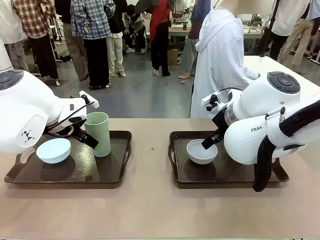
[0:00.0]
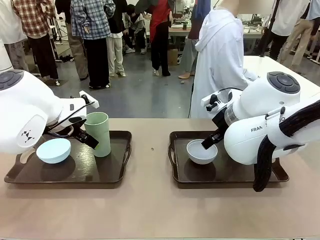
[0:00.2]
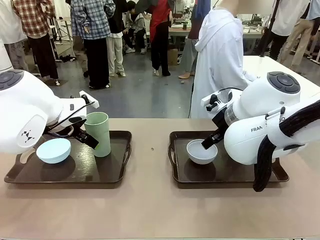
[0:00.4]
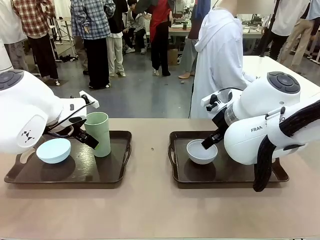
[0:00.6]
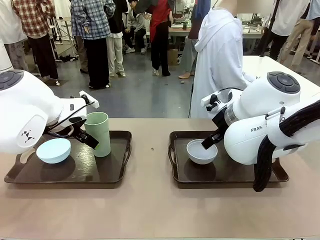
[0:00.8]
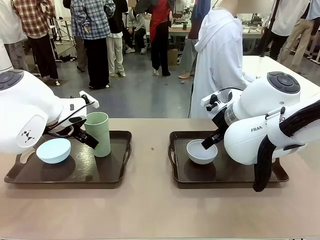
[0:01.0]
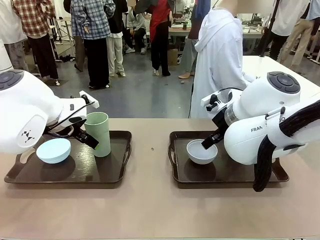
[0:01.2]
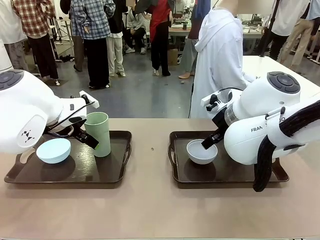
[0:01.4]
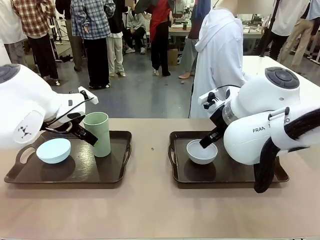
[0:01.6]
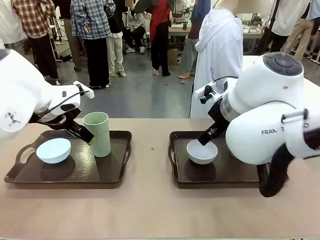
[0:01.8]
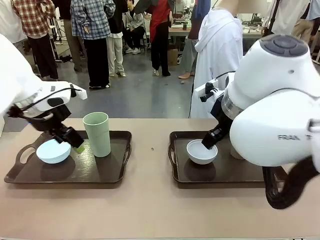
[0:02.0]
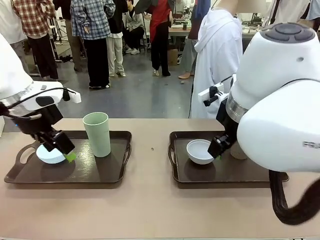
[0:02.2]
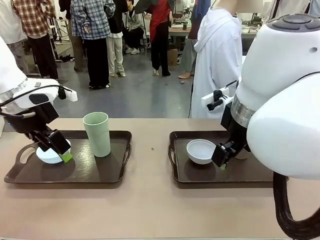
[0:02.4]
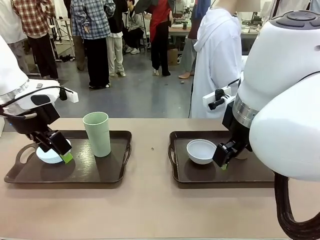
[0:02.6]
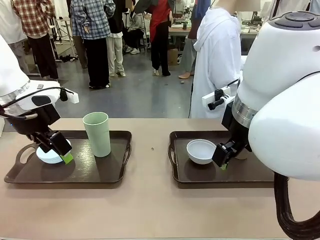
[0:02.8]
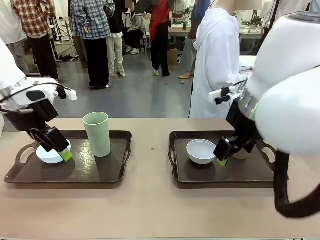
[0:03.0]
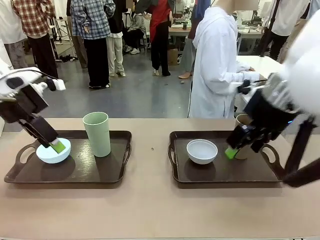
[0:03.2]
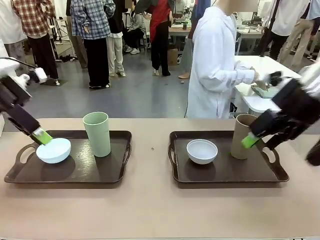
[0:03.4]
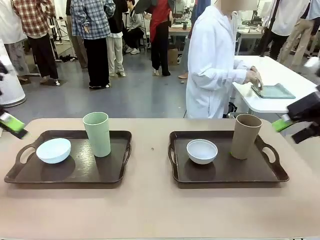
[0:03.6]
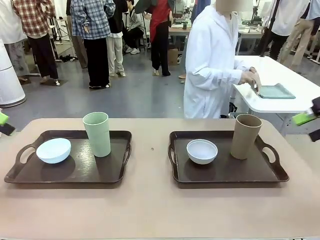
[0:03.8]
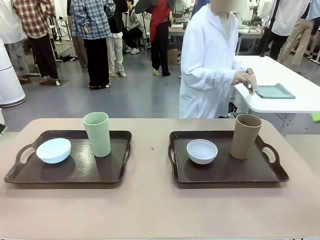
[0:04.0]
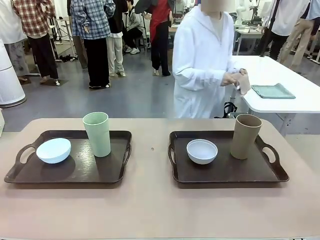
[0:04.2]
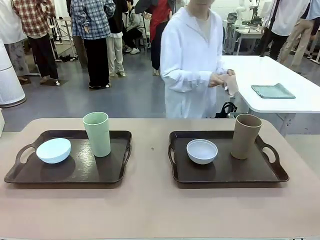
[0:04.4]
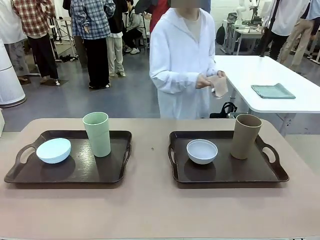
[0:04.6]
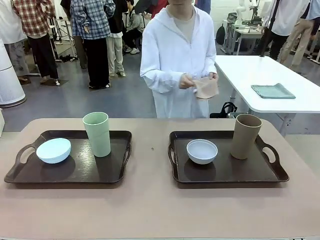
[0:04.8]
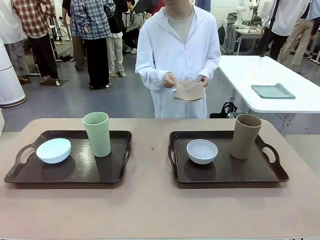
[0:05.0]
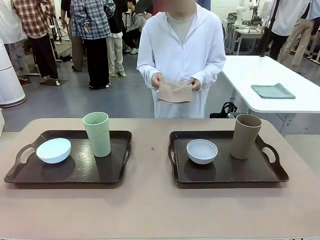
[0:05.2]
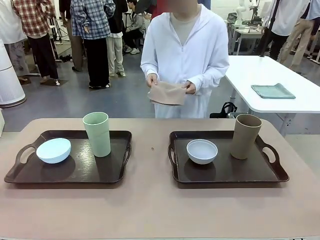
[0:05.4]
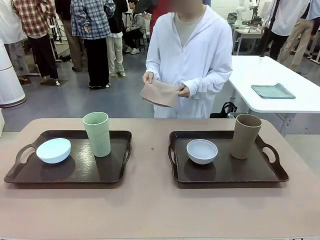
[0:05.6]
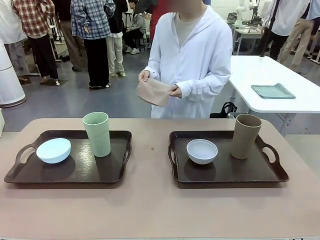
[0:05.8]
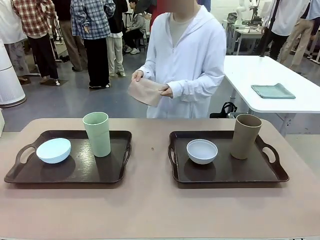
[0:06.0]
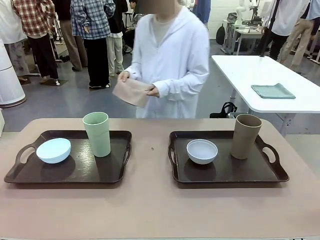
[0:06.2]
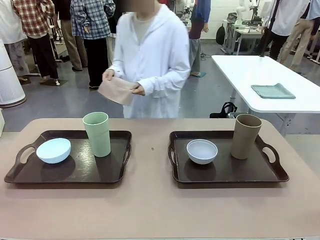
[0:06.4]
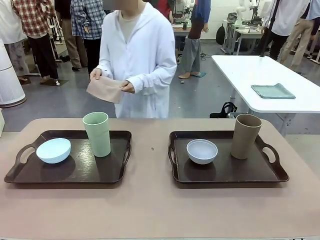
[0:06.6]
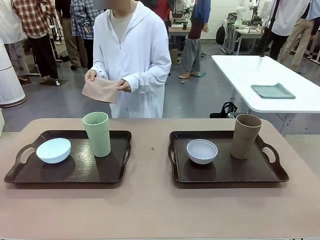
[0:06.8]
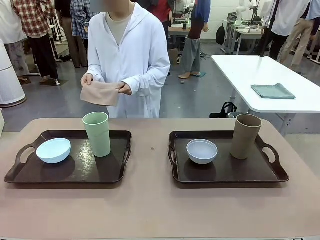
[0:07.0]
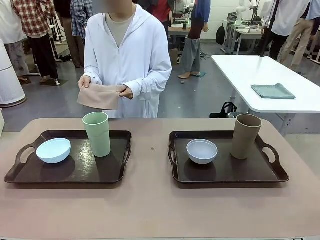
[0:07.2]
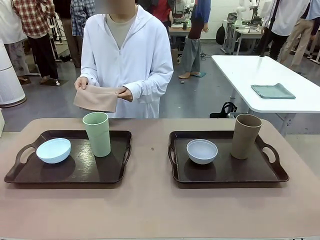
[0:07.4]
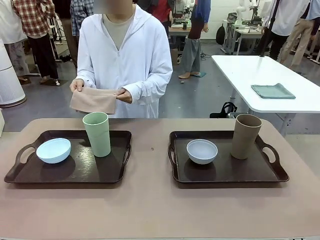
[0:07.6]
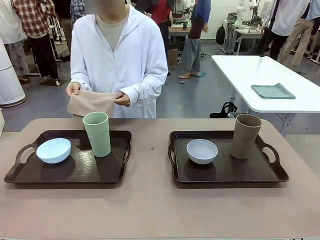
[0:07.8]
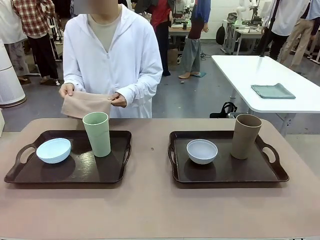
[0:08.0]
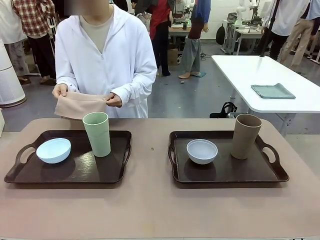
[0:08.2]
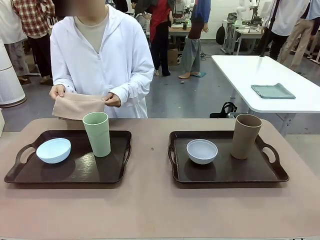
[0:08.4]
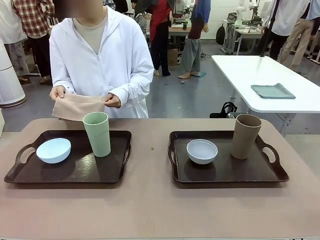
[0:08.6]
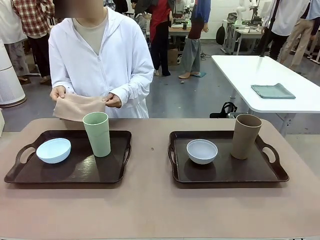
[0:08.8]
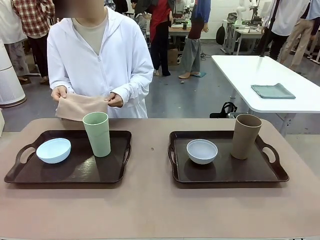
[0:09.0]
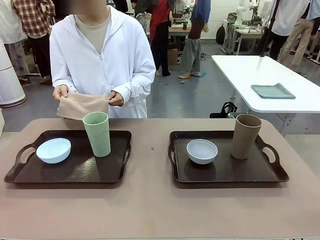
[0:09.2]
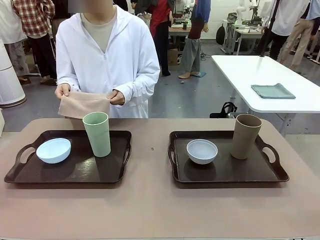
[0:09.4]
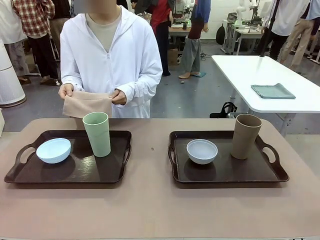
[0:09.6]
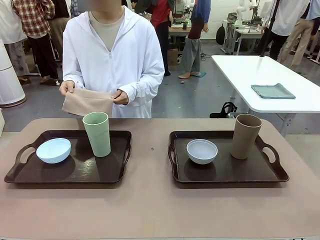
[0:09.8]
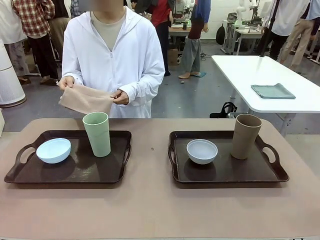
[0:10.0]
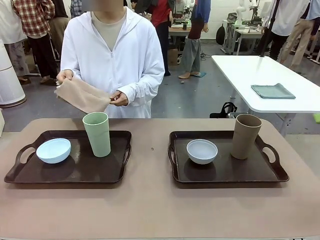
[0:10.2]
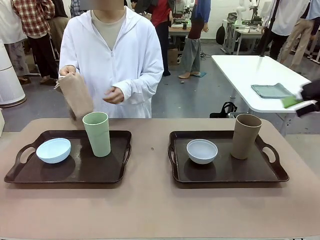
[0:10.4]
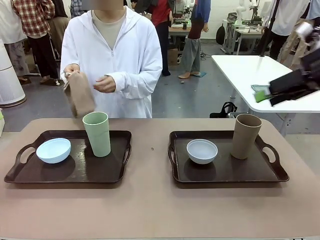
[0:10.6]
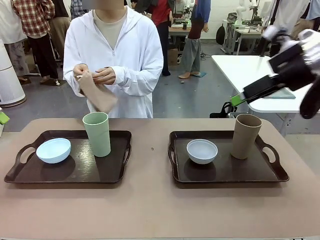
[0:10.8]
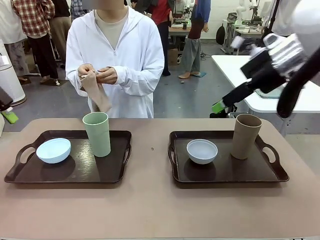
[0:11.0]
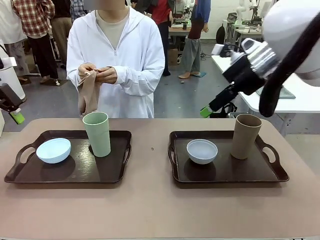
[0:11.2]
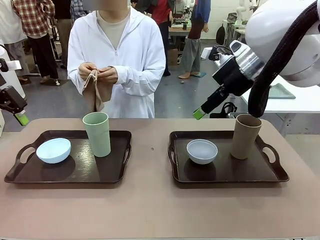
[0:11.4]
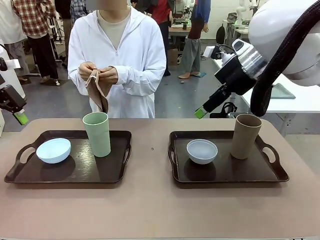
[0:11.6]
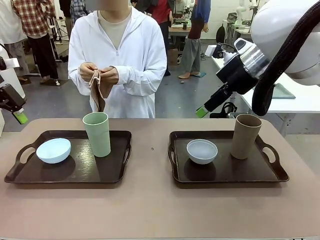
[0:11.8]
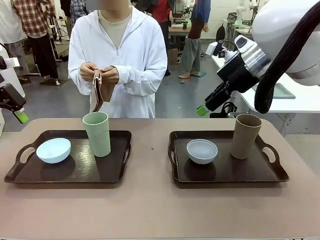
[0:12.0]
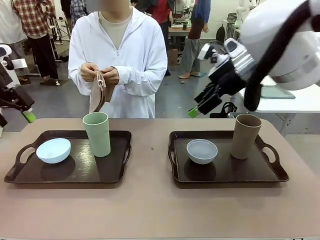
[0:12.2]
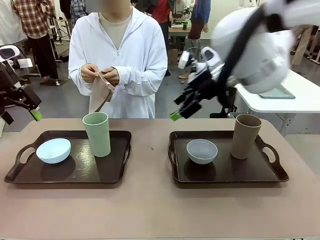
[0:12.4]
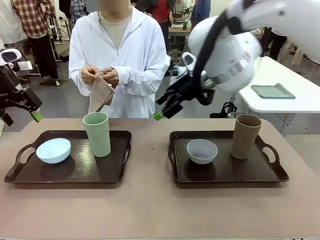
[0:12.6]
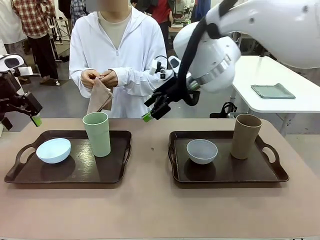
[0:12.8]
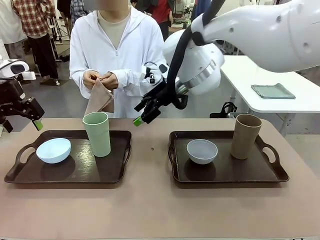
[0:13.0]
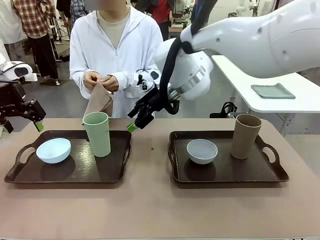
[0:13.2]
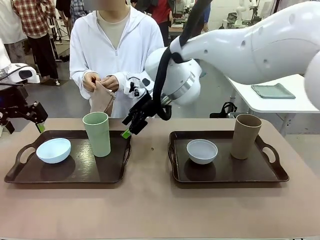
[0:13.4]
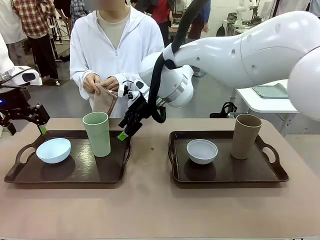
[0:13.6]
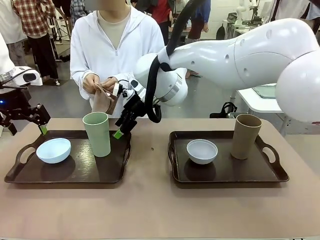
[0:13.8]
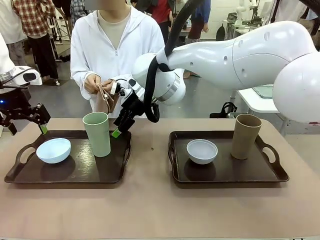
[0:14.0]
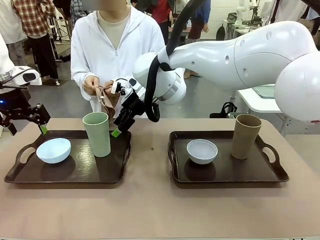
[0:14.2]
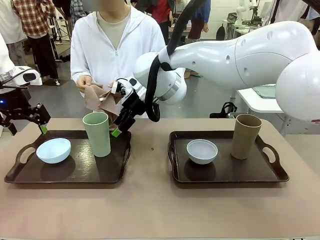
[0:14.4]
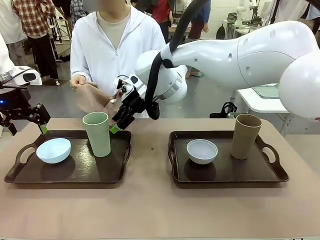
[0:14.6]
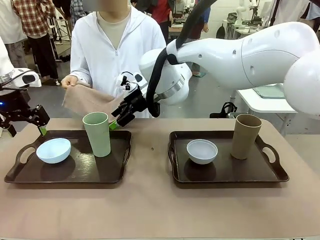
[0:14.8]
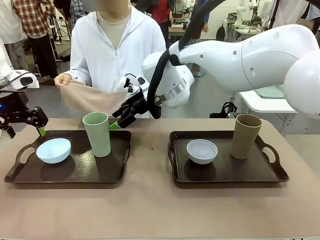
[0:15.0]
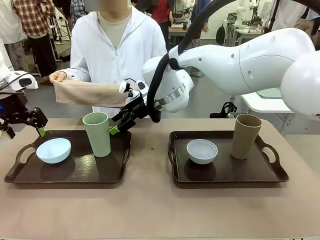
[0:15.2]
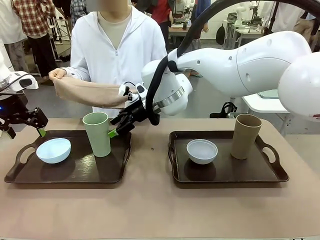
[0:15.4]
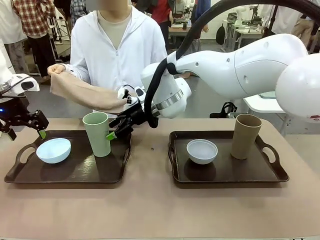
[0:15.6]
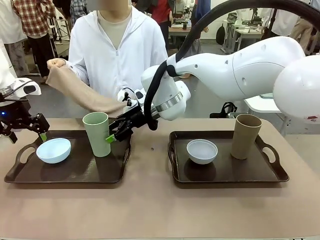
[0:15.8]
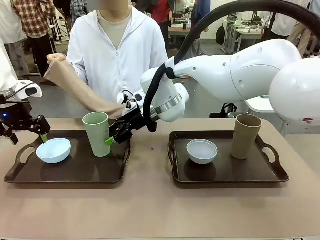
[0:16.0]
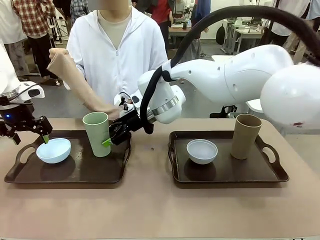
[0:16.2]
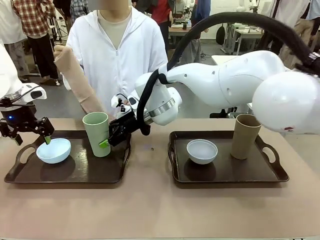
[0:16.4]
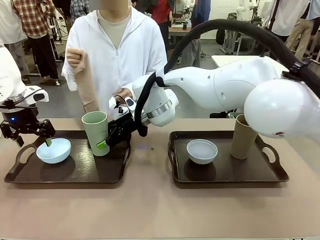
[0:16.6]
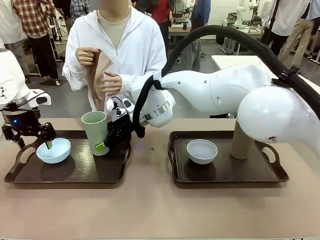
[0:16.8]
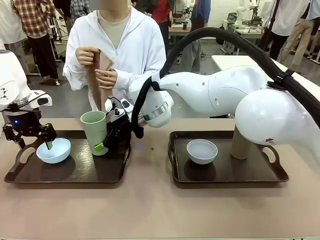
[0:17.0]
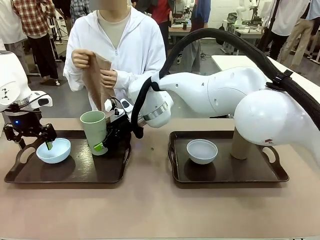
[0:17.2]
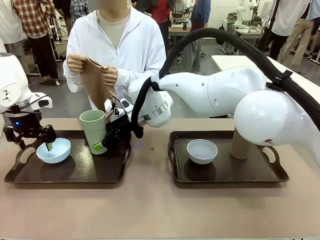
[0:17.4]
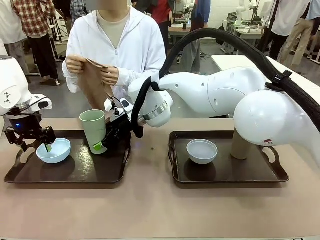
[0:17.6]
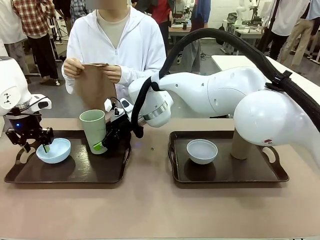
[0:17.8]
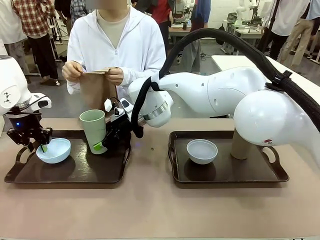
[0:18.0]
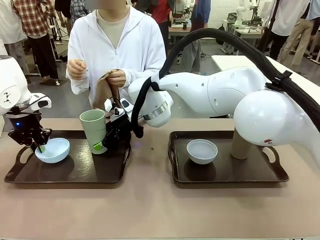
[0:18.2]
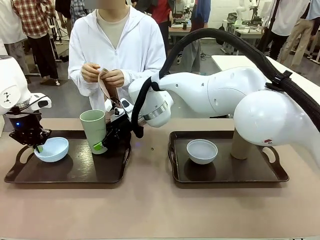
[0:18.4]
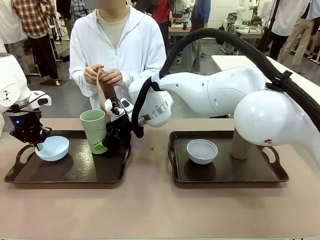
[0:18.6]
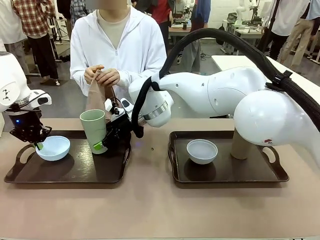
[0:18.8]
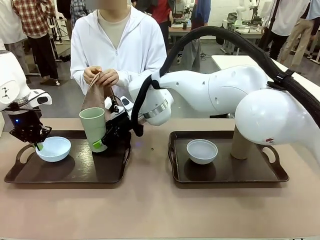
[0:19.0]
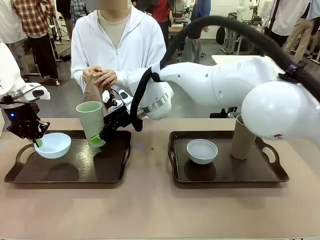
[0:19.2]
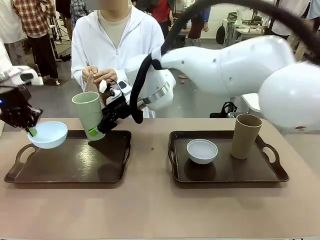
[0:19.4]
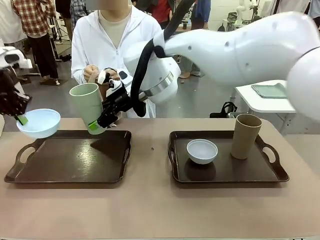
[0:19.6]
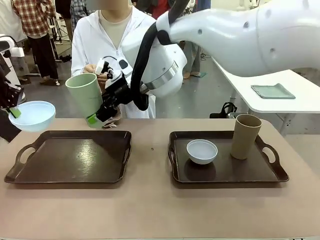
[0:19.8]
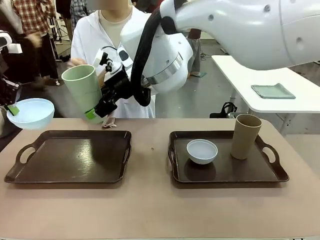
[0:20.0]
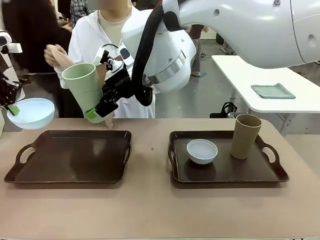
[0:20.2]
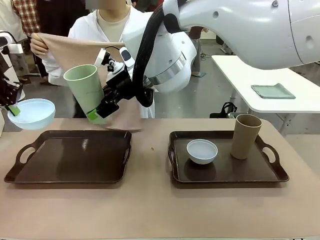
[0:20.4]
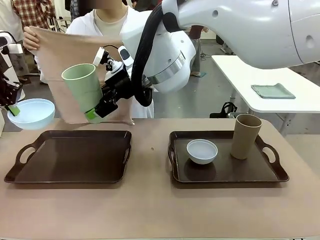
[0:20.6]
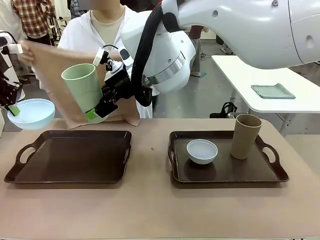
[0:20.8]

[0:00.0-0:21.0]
Robot: Pick up the Picnic Bowl and Reusable plastic cup from the Handle tray in front of the human's position and hold them in the air.
Person: The human picks up the top napkin from the stack on the human table and walks to the robot table to stand in front of one of the two trays. When the robot lifts the bowl and the cup, the human unfolds the napkin and lays the napkin flat on the tray.
